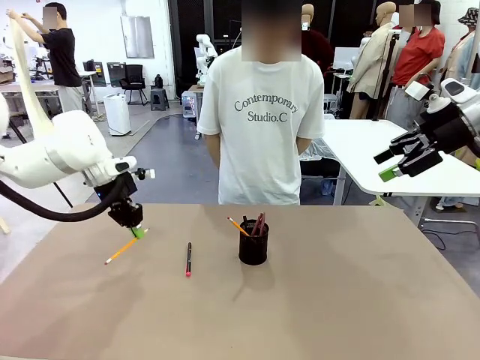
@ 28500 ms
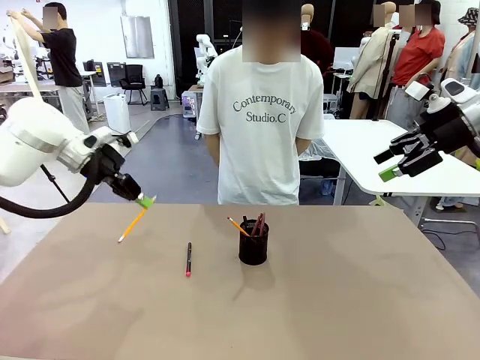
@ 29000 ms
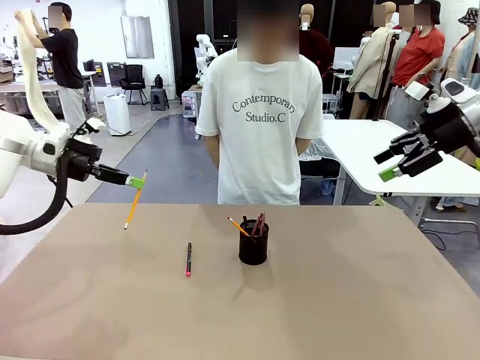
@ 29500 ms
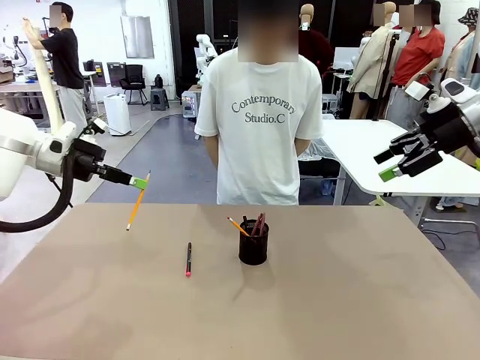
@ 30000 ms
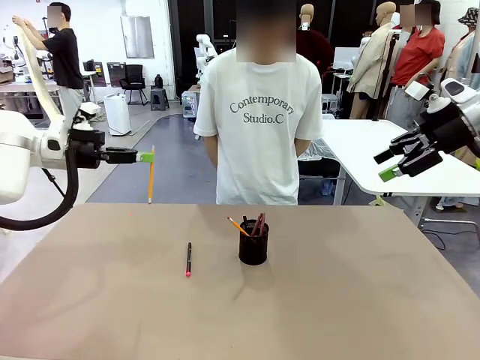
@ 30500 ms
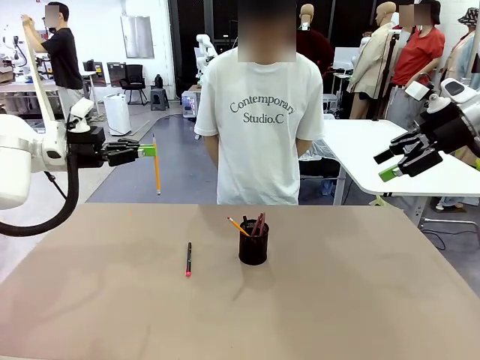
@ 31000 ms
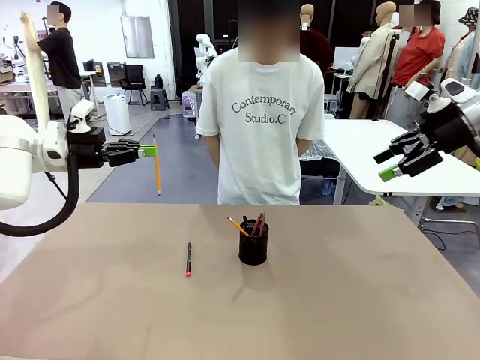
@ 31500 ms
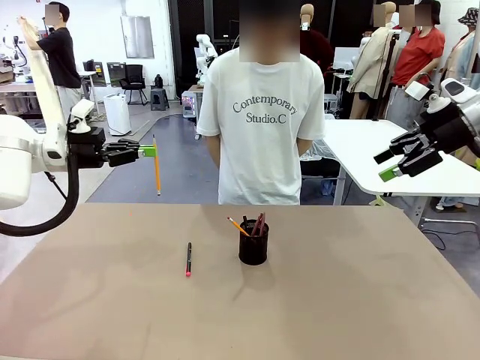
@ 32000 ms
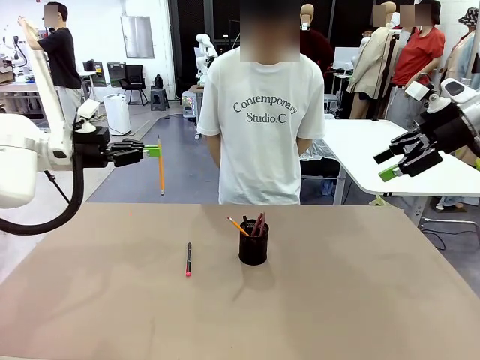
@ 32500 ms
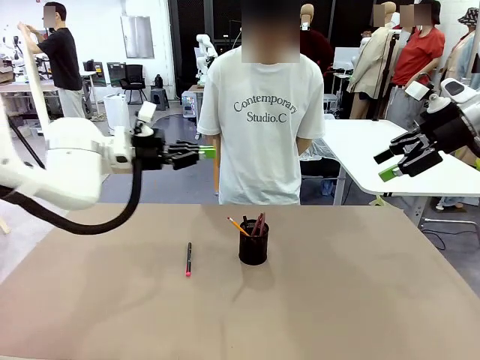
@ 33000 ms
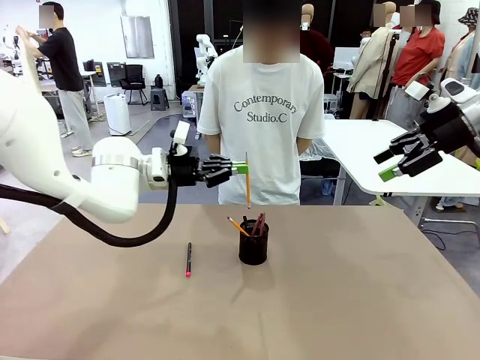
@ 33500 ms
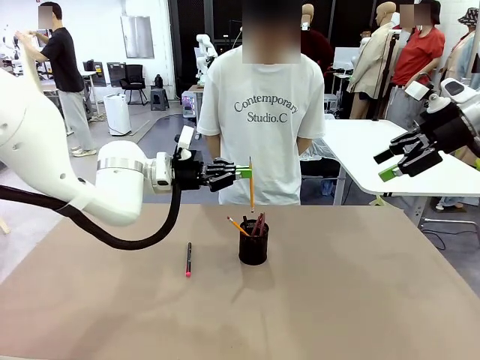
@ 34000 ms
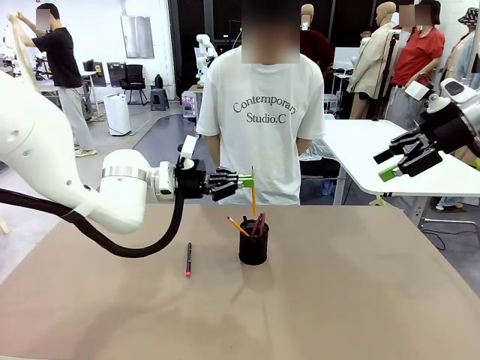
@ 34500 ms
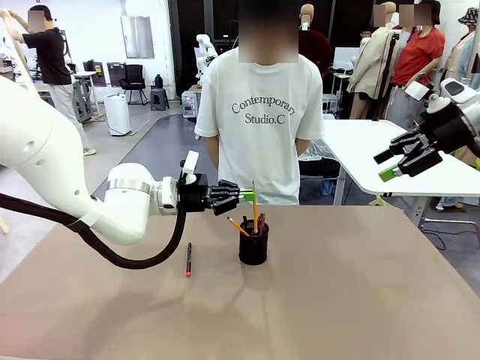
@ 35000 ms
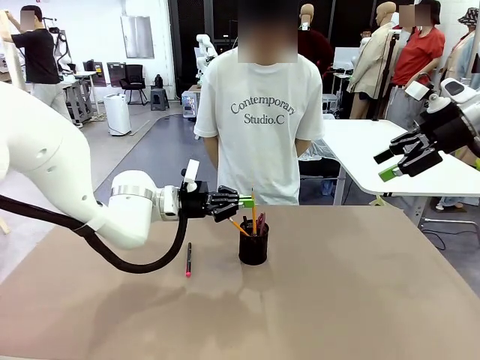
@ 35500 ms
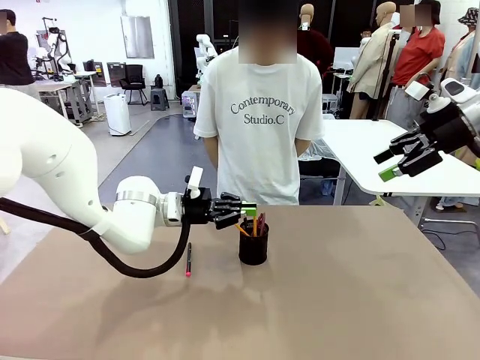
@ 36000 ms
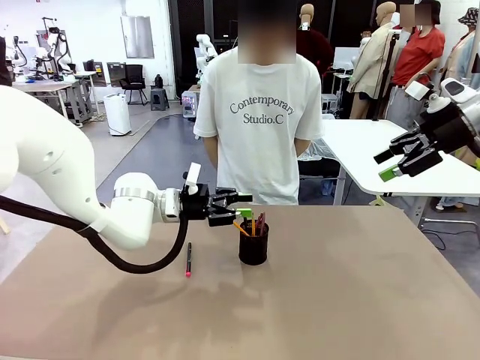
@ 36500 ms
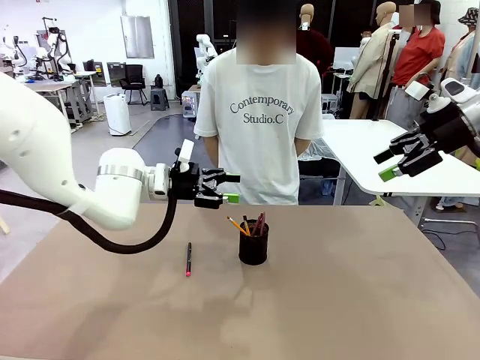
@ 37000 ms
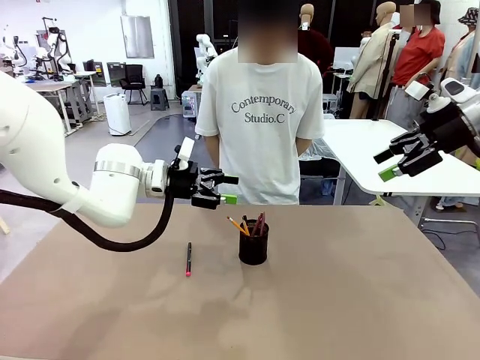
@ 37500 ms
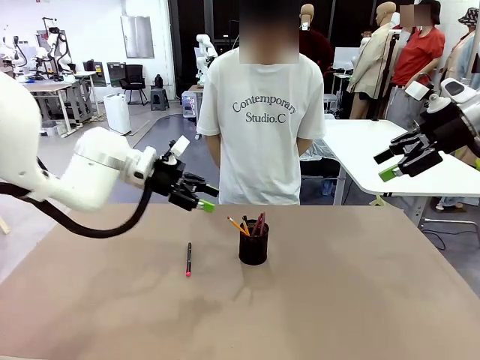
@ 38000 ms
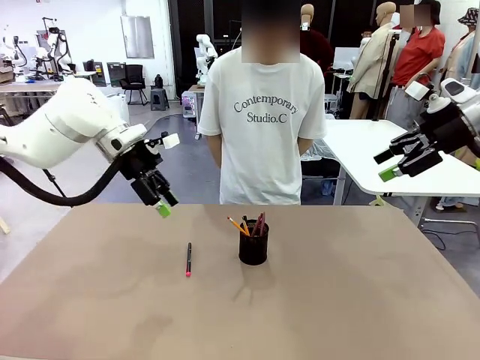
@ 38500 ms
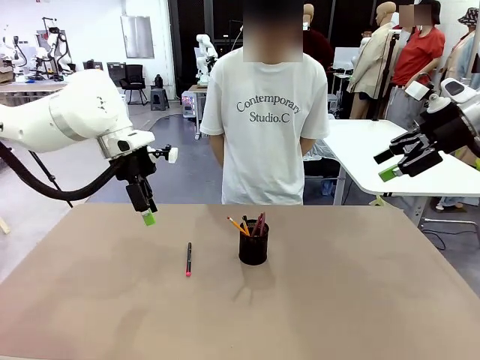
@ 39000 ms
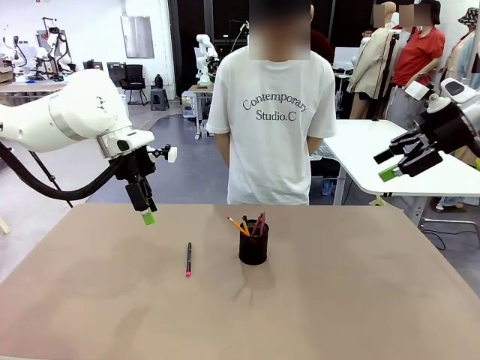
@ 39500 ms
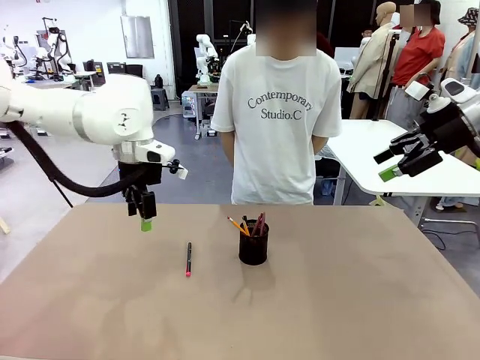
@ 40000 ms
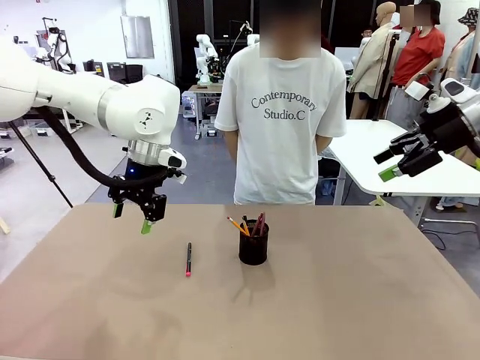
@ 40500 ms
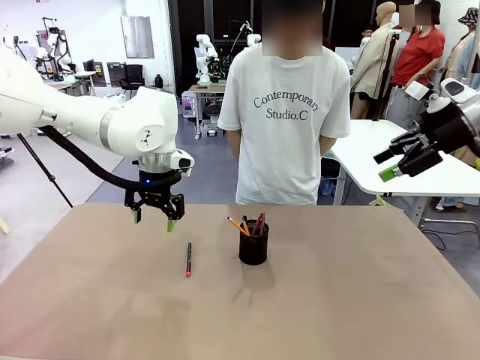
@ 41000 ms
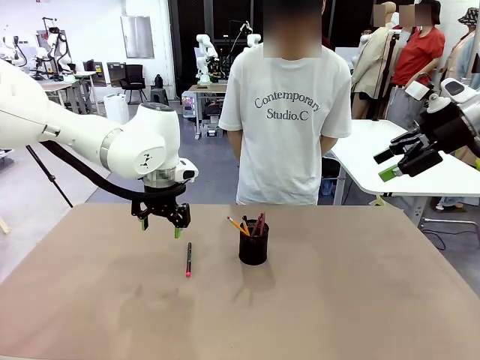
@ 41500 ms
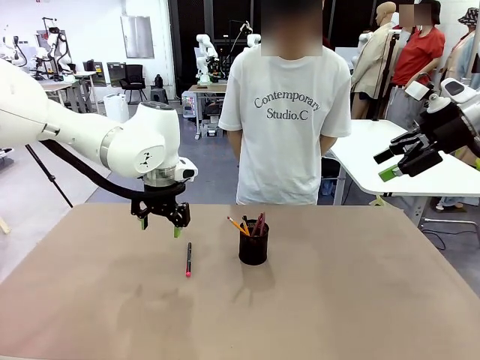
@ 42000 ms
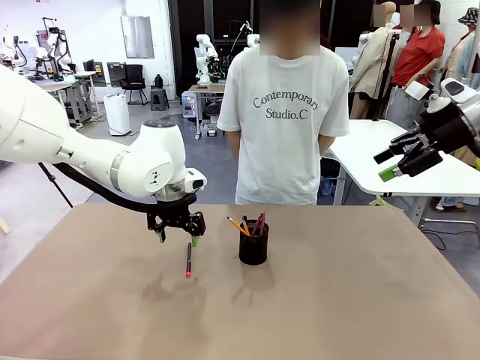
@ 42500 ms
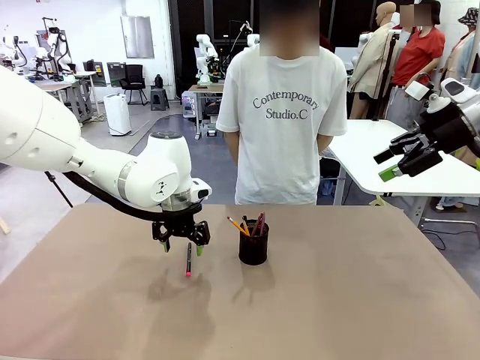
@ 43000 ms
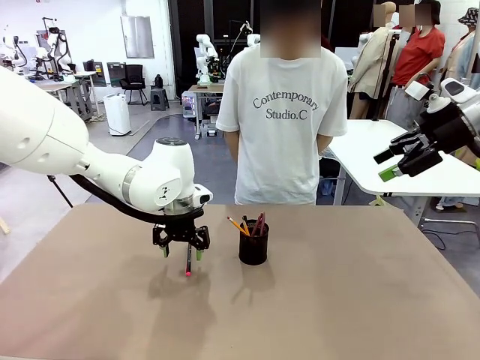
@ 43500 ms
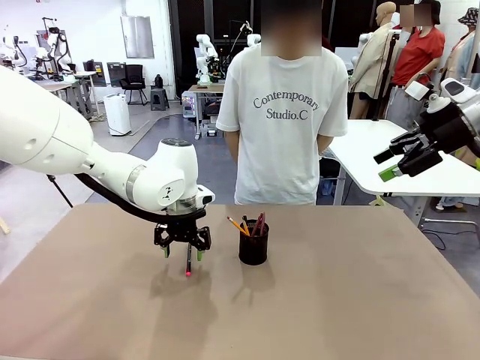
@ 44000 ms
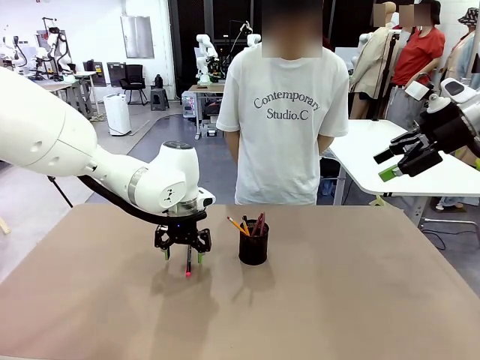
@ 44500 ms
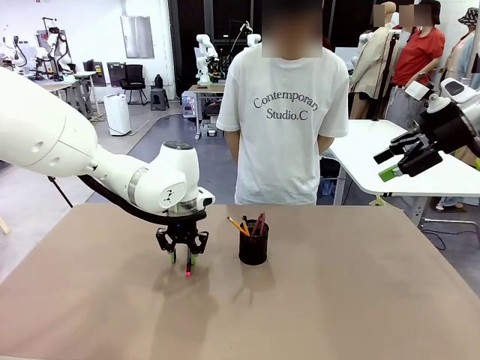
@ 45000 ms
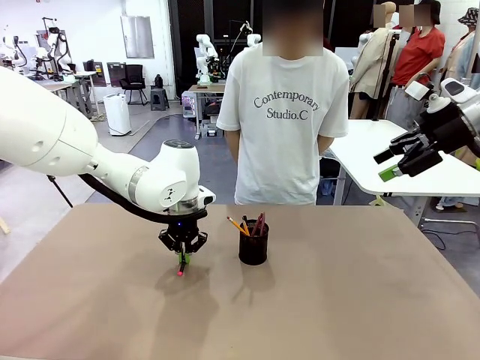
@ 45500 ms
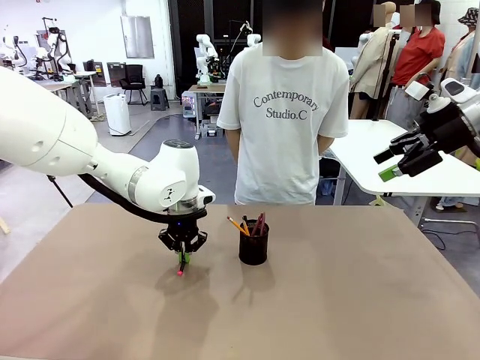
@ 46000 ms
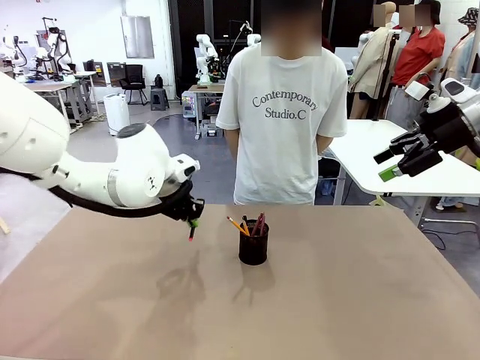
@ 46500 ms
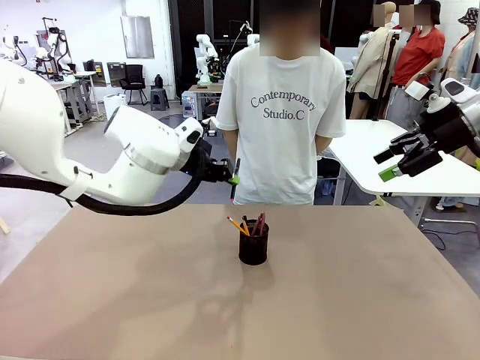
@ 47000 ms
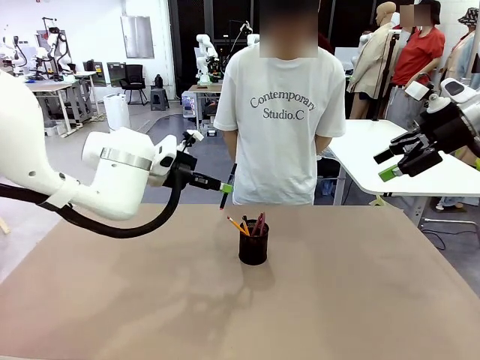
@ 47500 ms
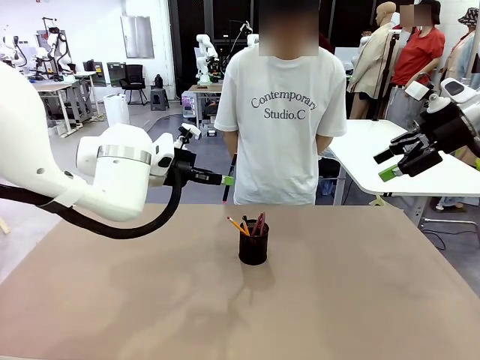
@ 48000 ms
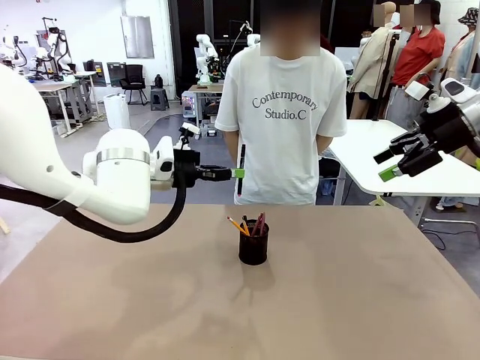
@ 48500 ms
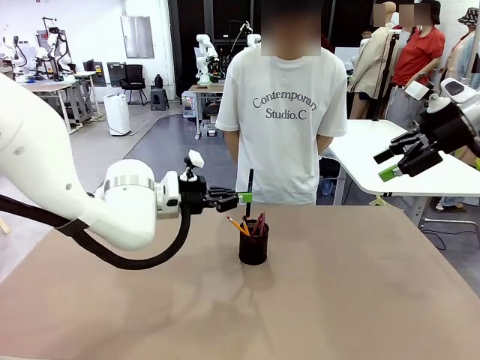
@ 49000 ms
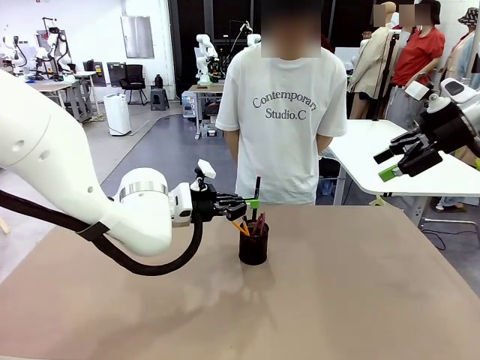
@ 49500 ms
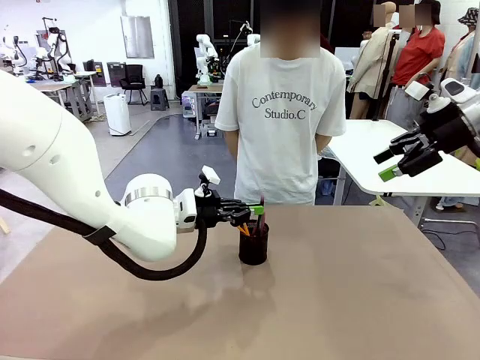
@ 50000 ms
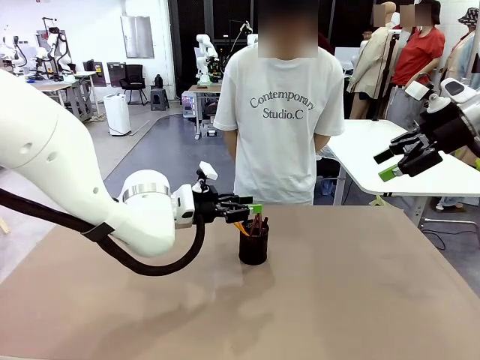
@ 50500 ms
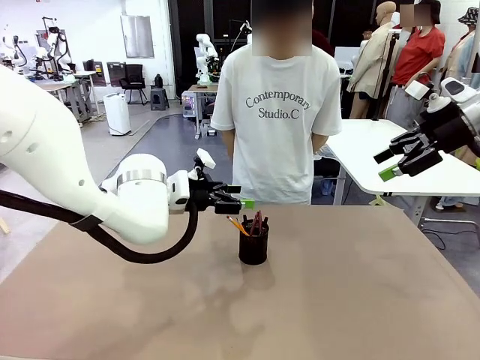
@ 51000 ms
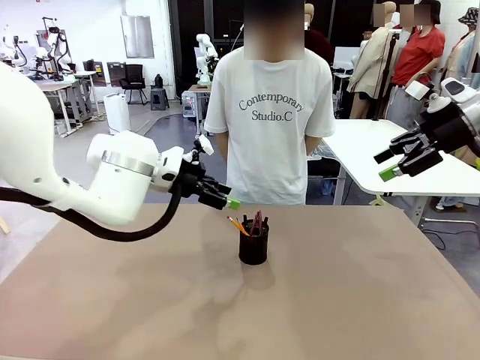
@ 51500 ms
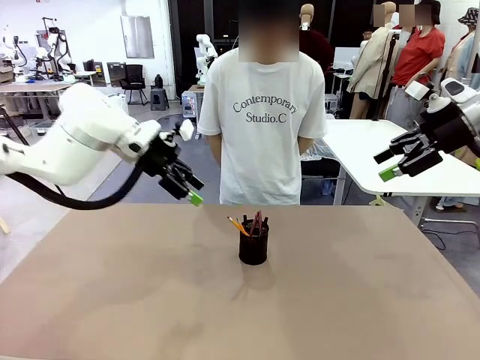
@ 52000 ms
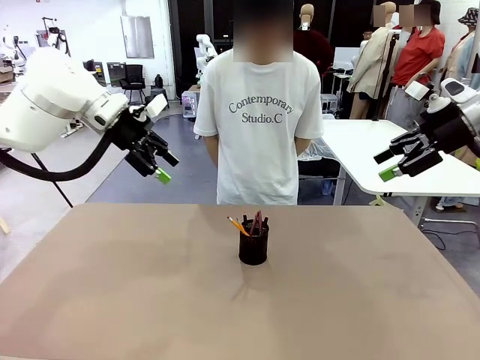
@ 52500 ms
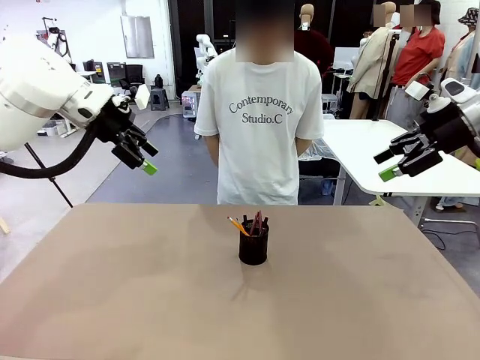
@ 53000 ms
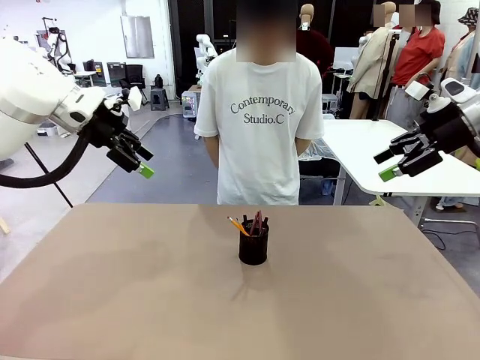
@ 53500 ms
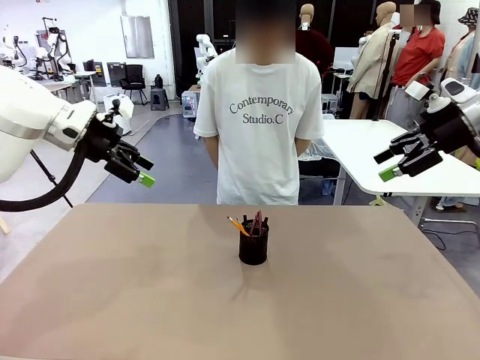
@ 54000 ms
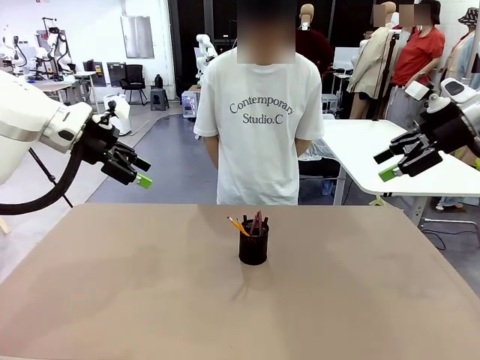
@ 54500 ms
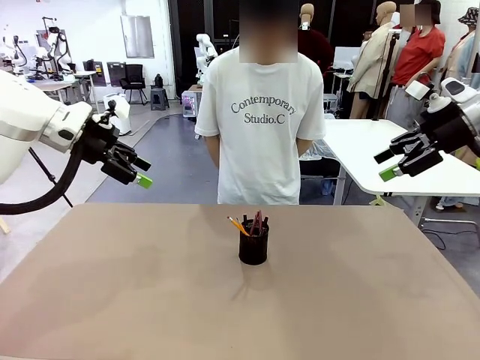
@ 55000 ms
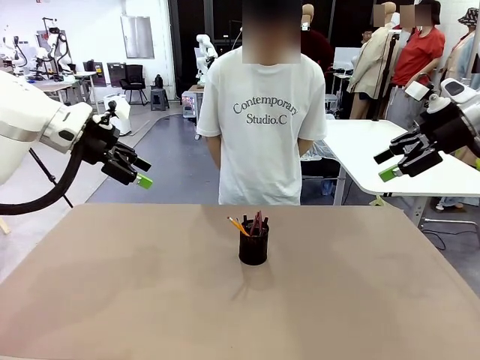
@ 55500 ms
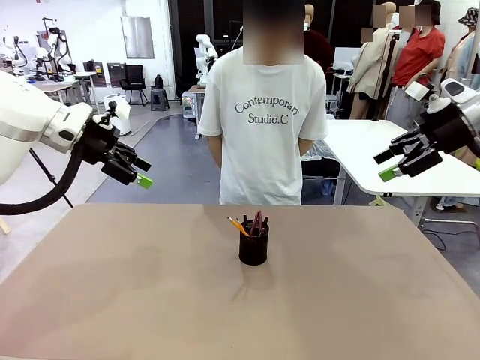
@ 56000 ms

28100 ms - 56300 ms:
Task: Place the pens into the pen holder.
Robot: Pick up a writing instrument from the table and place it into the Pen holder.
Person: Place all writing instrument into the Pen holder.
